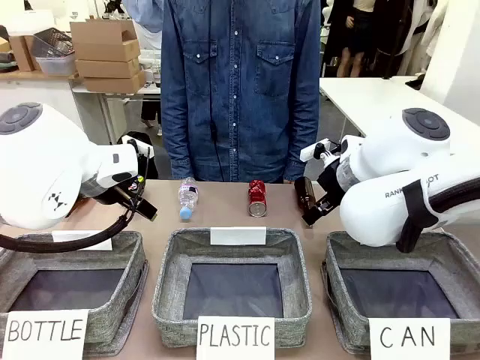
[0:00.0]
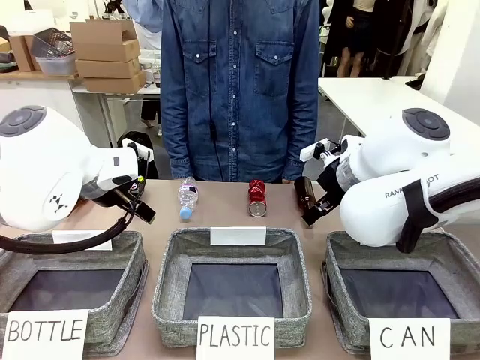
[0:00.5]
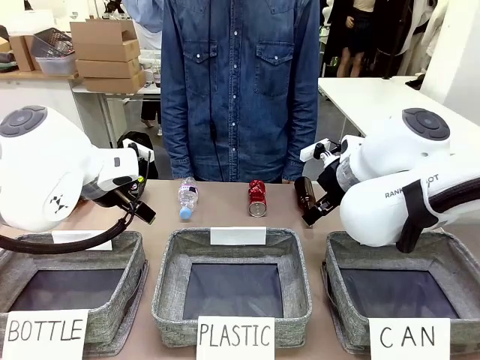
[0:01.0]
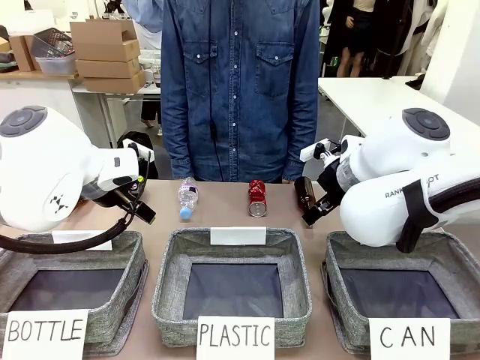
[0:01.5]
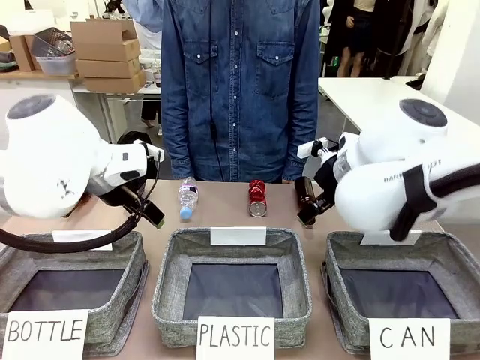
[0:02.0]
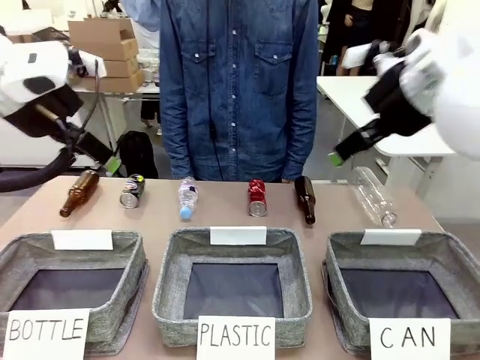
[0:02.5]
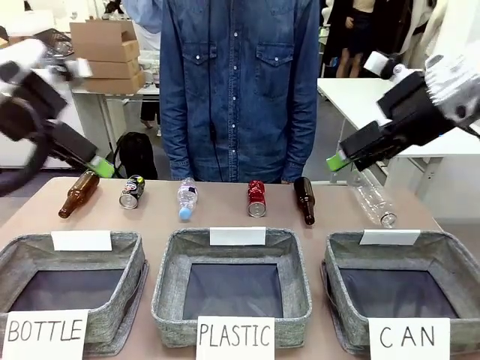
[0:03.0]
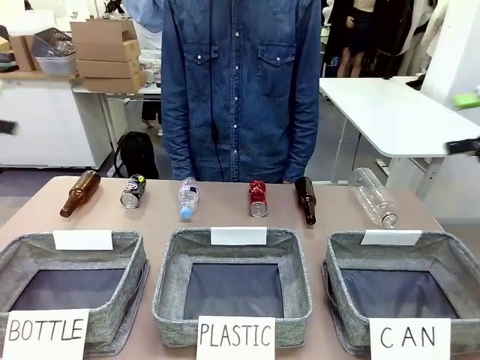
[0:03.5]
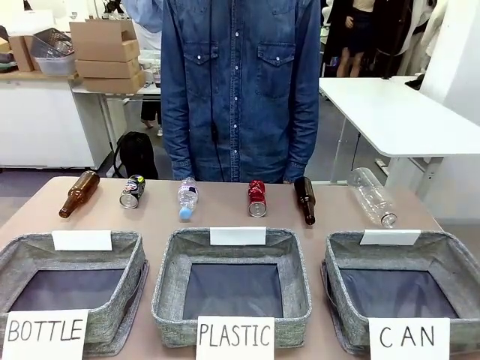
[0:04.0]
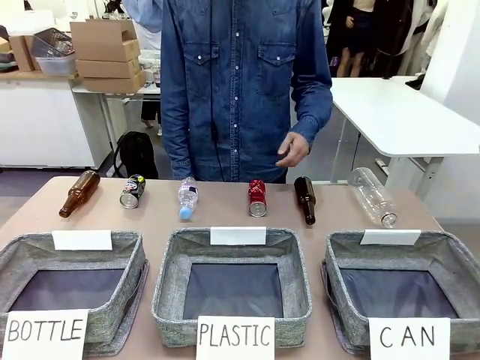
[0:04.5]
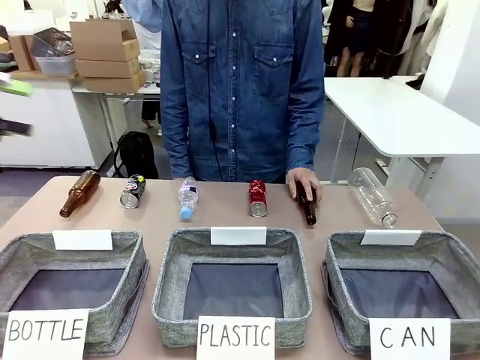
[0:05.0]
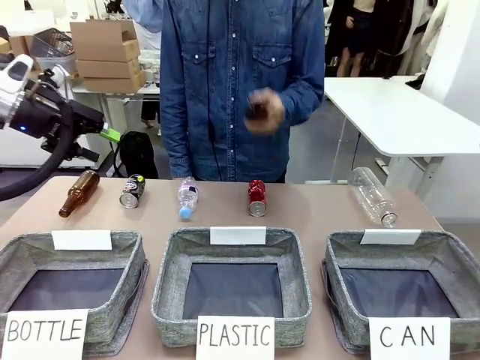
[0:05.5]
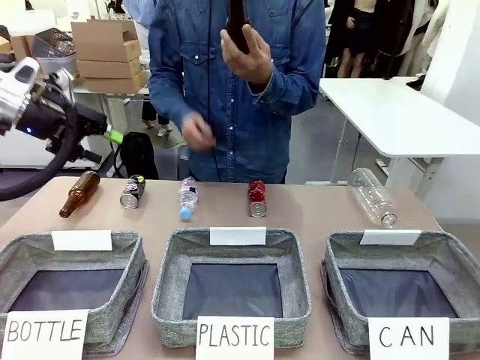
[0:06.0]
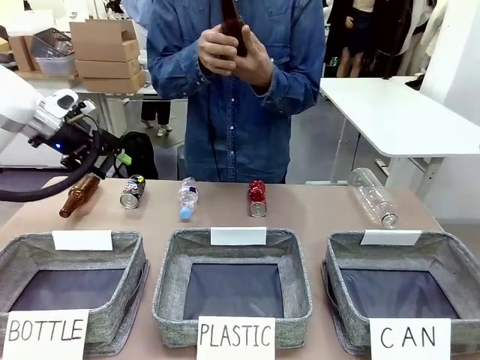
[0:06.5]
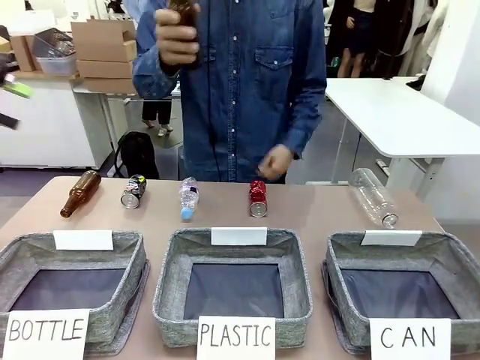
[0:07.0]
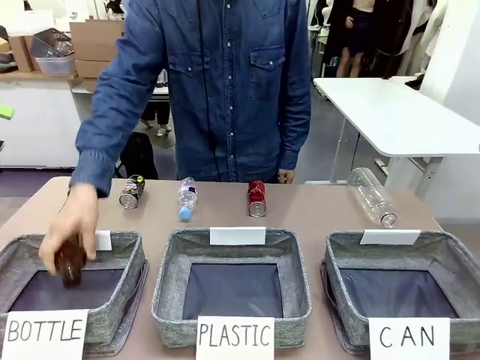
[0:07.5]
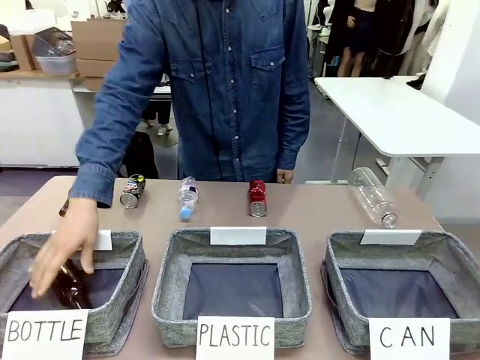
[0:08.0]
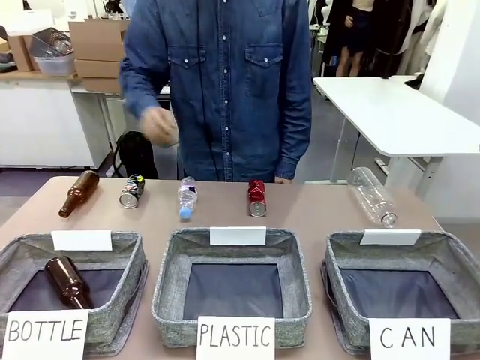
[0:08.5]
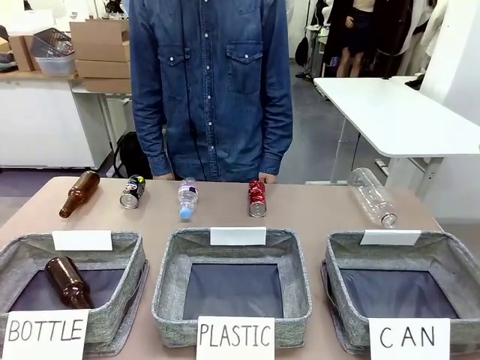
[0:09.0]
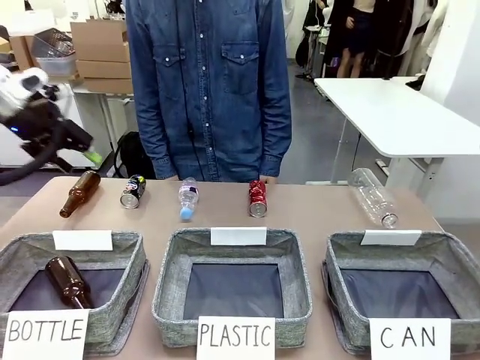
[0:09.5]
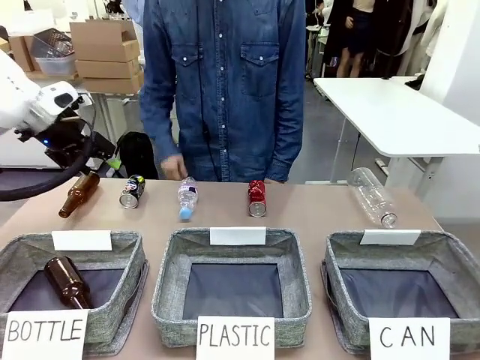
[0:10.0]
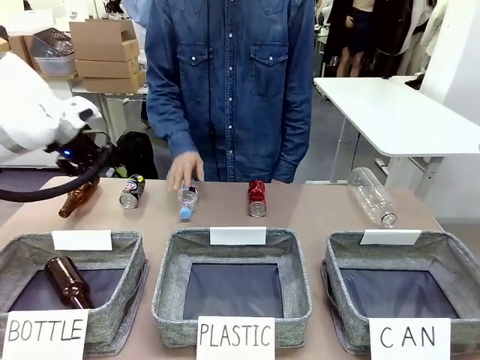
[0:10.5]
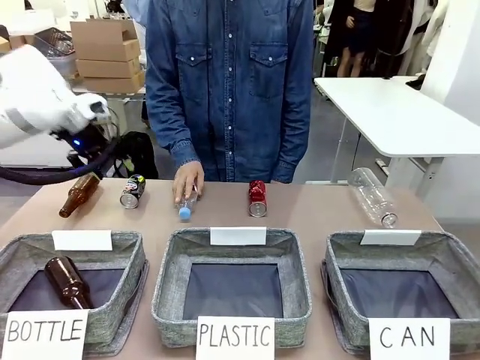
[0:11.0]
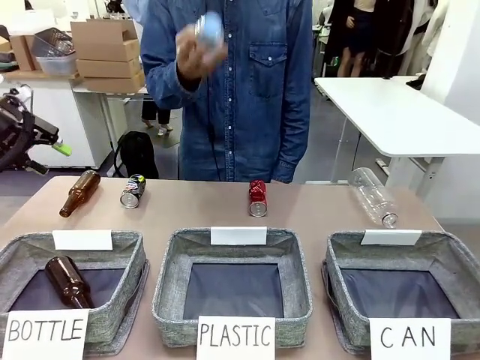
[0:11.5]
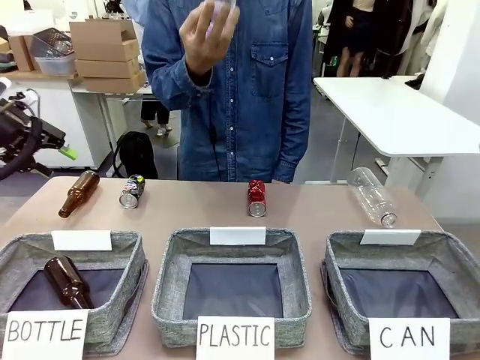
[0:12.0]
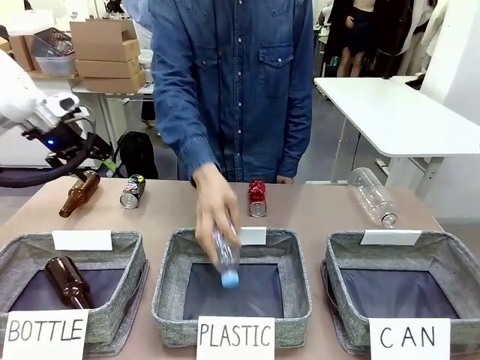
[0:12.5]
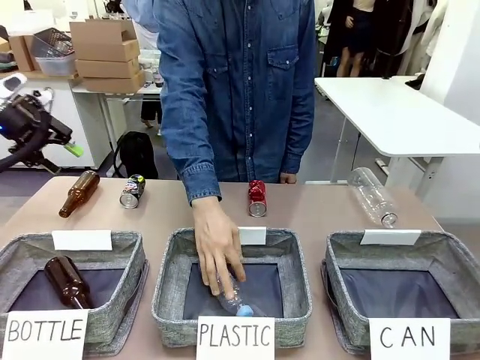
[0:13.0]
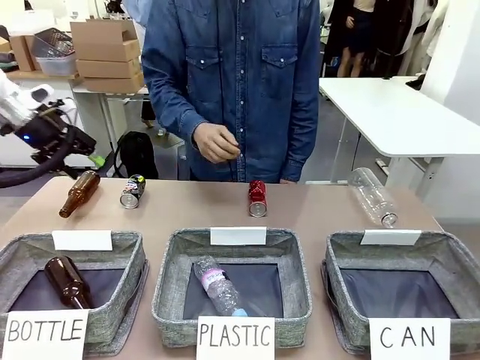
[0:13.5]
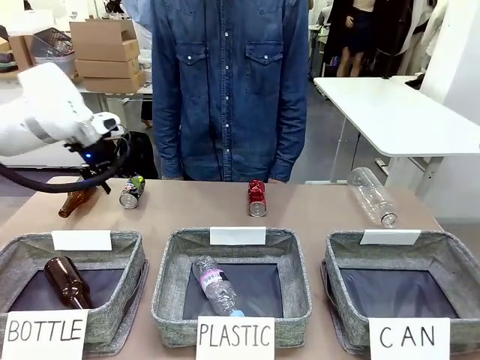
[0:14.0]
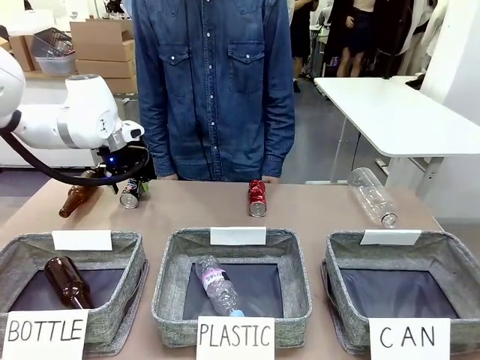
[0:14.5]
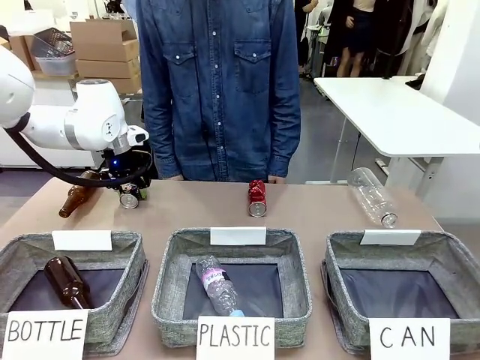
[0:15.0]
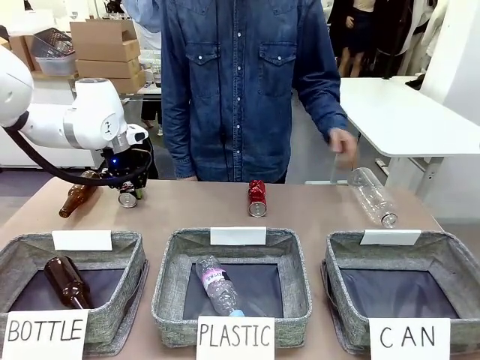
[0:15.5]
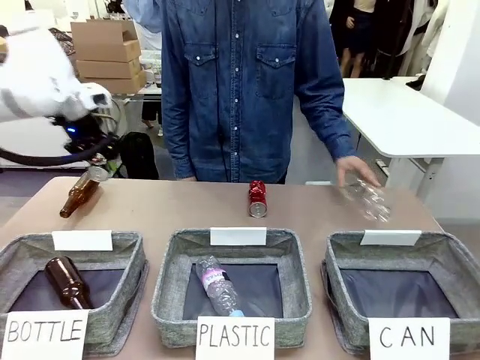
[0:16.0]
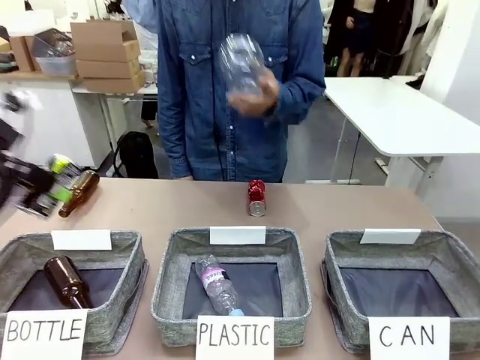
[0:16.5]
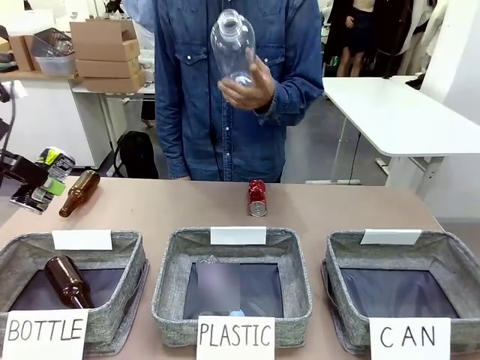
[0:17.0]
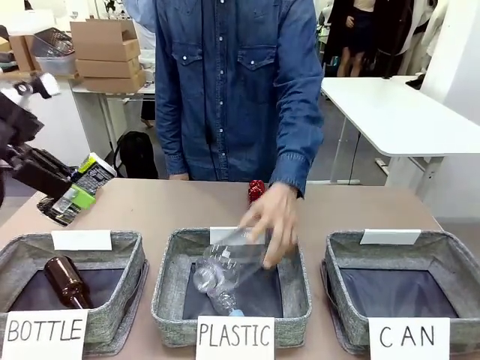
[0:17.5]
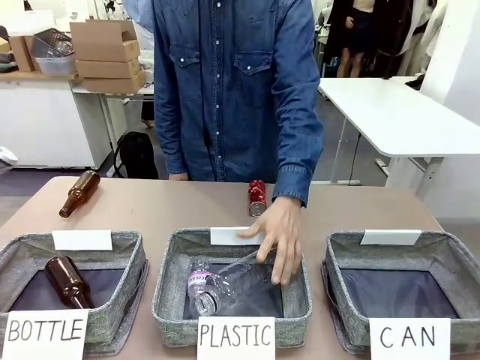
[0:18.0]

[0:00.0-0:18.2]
Task: Sort the can waste into the basket.
Robot: Pick up the can waste from the table and place it in the right Fabric basket.
